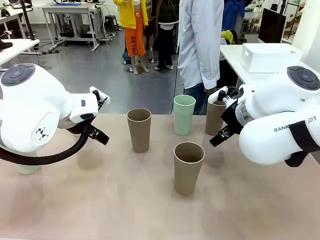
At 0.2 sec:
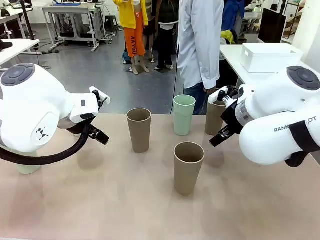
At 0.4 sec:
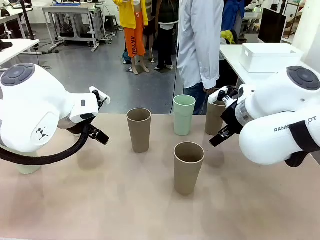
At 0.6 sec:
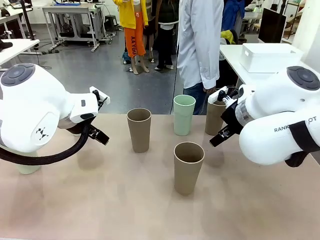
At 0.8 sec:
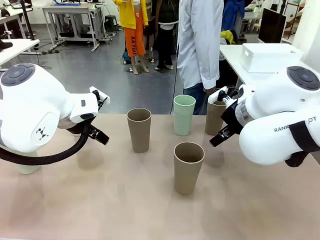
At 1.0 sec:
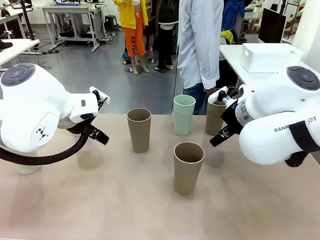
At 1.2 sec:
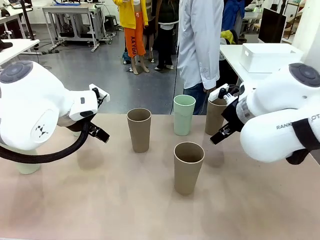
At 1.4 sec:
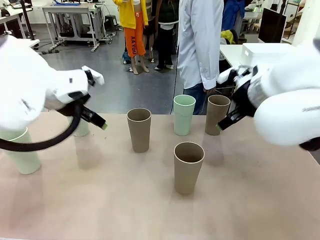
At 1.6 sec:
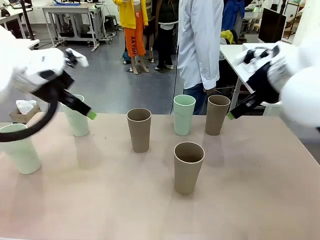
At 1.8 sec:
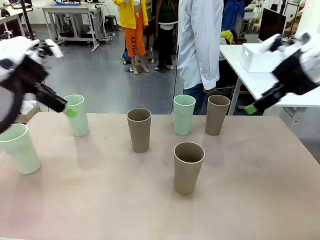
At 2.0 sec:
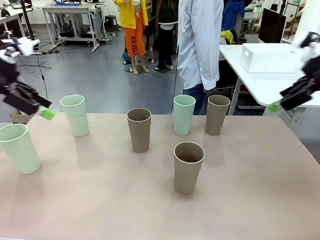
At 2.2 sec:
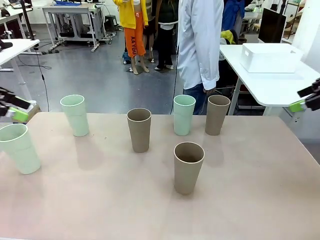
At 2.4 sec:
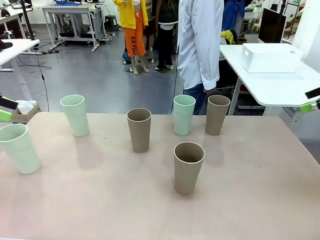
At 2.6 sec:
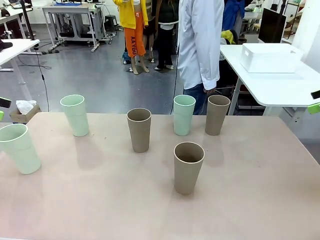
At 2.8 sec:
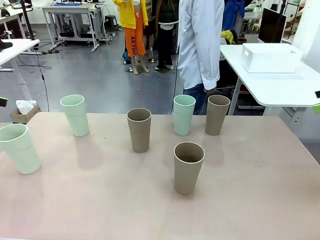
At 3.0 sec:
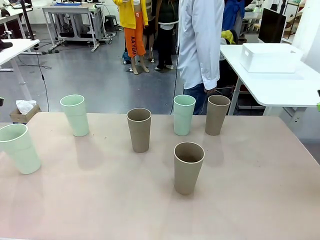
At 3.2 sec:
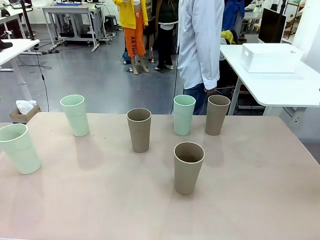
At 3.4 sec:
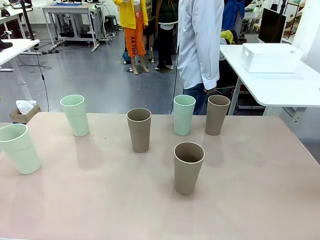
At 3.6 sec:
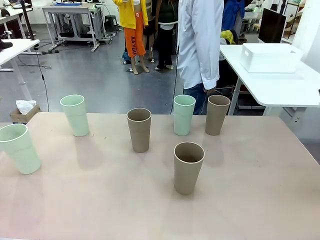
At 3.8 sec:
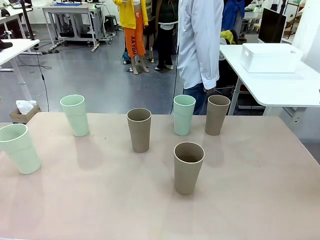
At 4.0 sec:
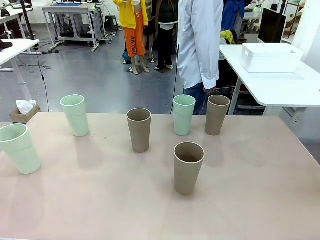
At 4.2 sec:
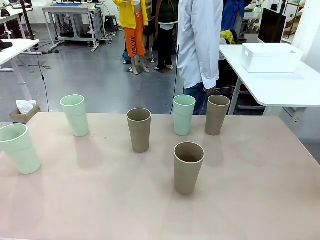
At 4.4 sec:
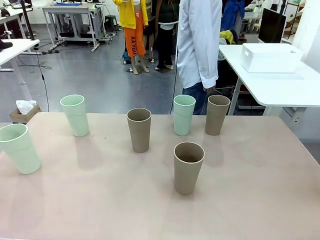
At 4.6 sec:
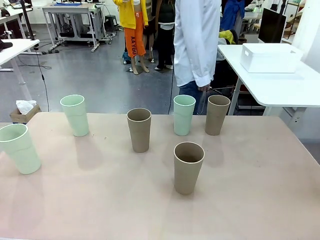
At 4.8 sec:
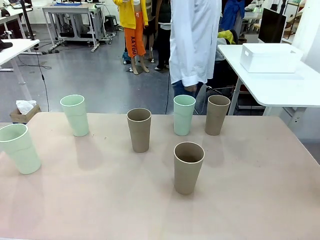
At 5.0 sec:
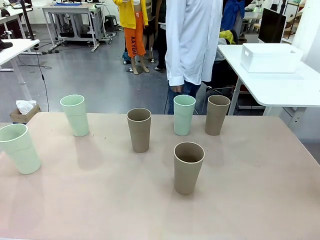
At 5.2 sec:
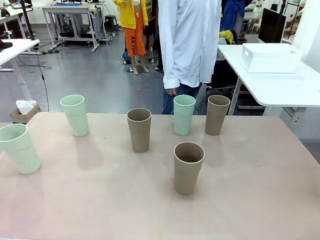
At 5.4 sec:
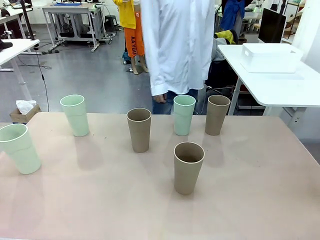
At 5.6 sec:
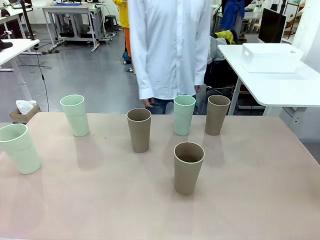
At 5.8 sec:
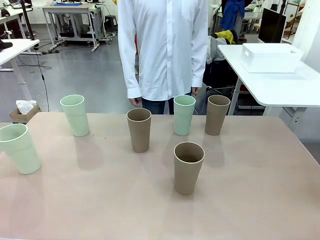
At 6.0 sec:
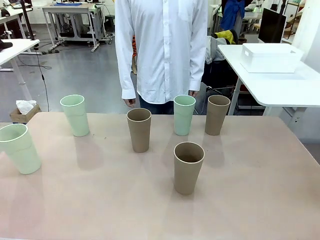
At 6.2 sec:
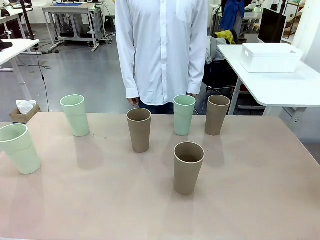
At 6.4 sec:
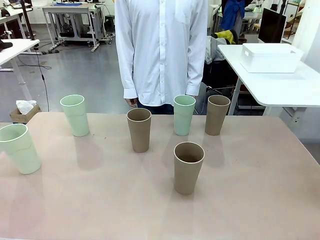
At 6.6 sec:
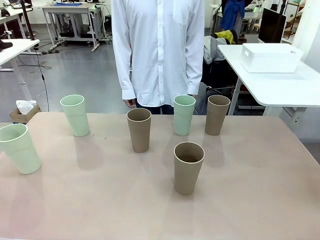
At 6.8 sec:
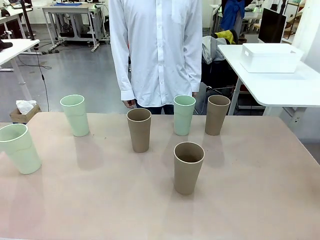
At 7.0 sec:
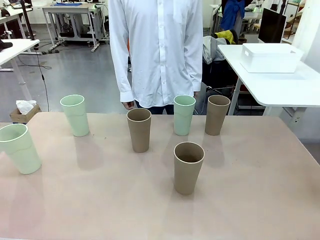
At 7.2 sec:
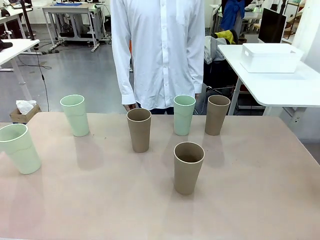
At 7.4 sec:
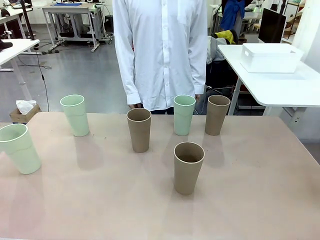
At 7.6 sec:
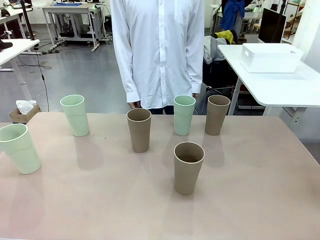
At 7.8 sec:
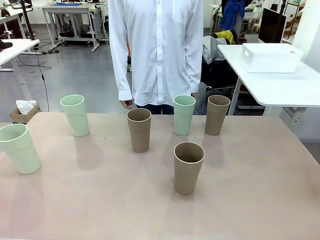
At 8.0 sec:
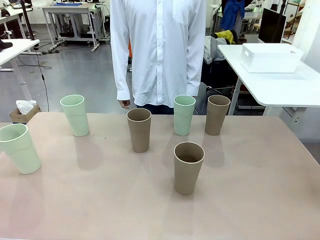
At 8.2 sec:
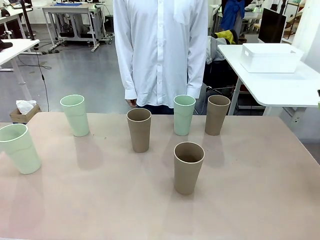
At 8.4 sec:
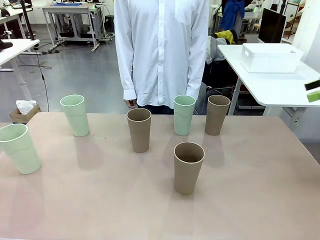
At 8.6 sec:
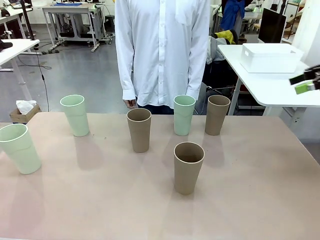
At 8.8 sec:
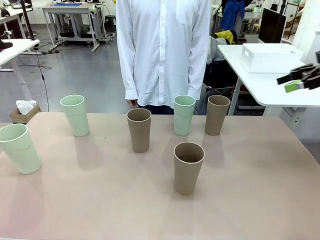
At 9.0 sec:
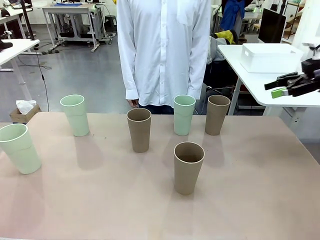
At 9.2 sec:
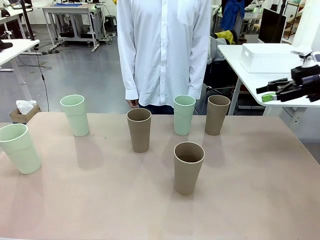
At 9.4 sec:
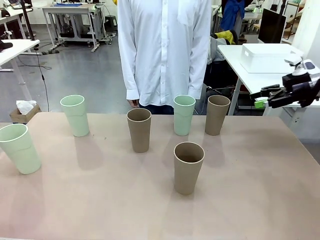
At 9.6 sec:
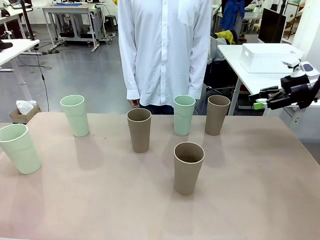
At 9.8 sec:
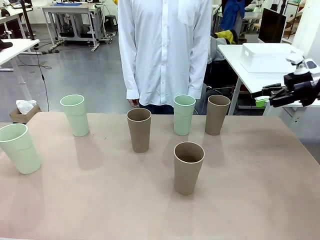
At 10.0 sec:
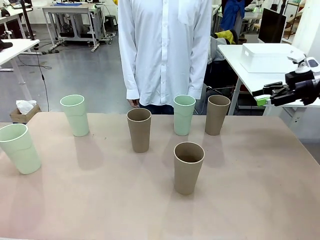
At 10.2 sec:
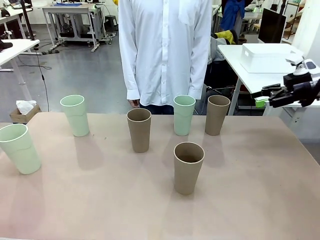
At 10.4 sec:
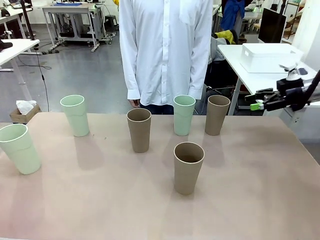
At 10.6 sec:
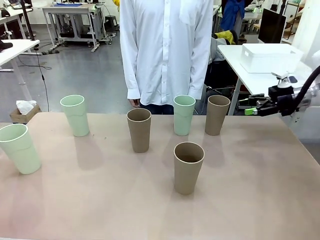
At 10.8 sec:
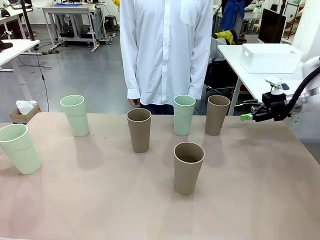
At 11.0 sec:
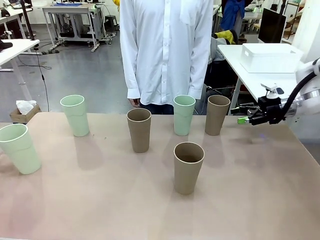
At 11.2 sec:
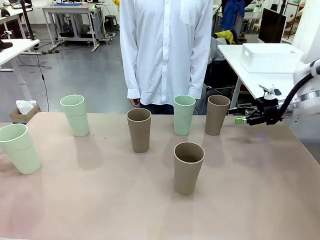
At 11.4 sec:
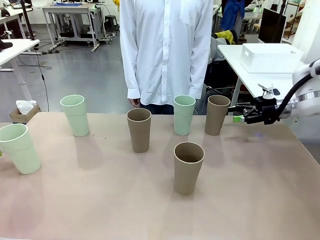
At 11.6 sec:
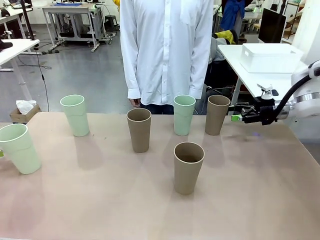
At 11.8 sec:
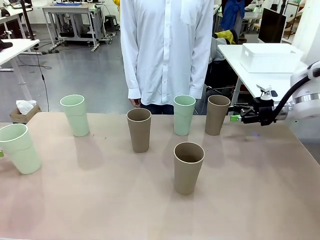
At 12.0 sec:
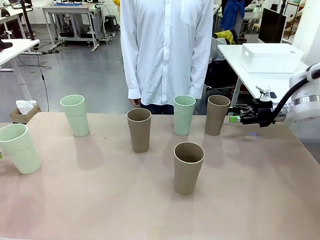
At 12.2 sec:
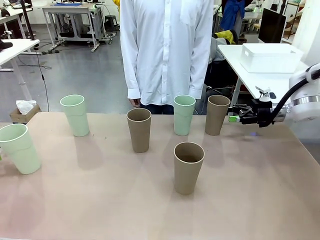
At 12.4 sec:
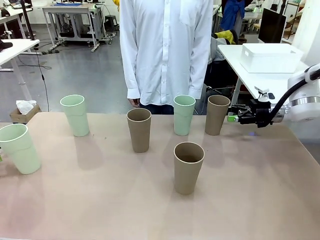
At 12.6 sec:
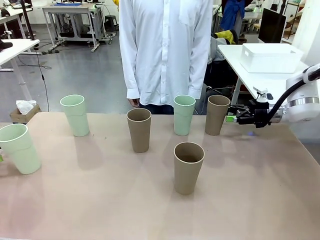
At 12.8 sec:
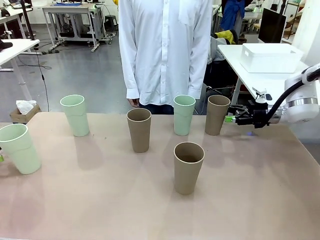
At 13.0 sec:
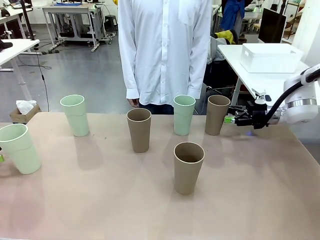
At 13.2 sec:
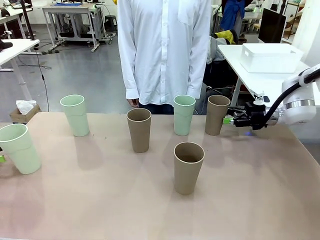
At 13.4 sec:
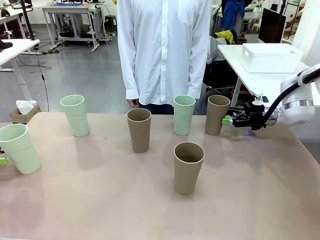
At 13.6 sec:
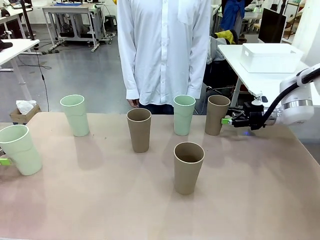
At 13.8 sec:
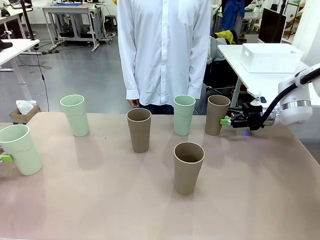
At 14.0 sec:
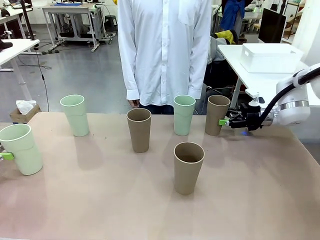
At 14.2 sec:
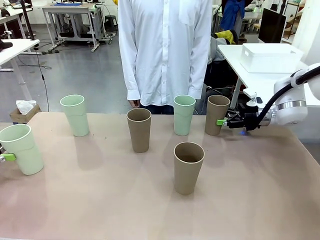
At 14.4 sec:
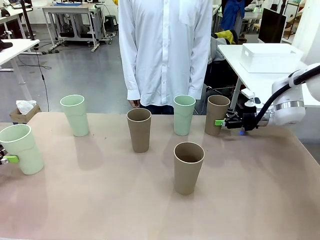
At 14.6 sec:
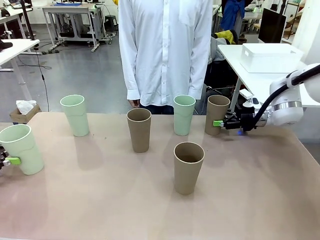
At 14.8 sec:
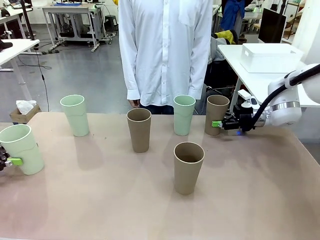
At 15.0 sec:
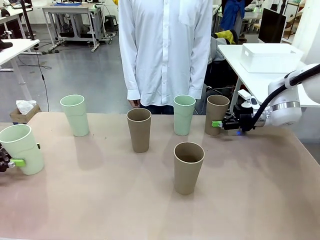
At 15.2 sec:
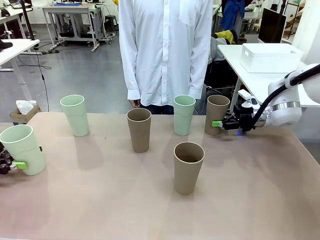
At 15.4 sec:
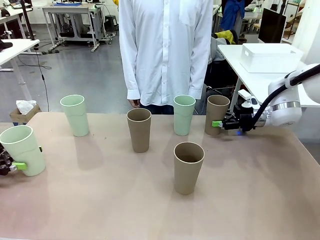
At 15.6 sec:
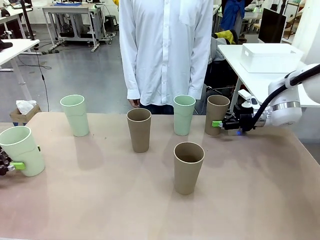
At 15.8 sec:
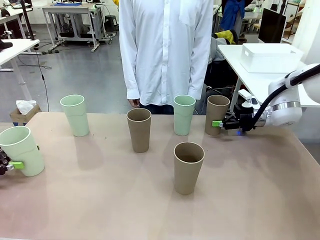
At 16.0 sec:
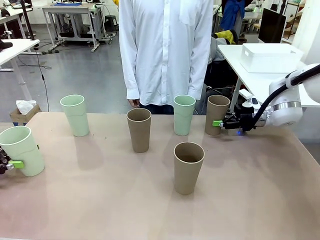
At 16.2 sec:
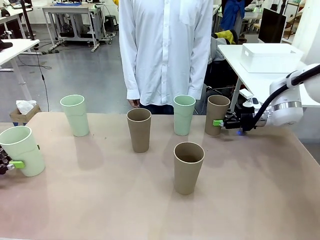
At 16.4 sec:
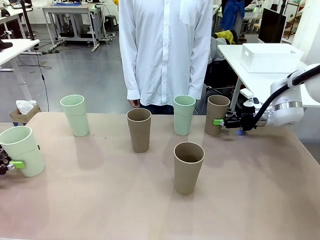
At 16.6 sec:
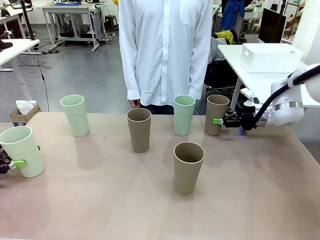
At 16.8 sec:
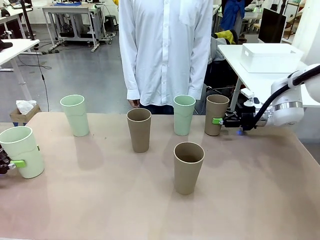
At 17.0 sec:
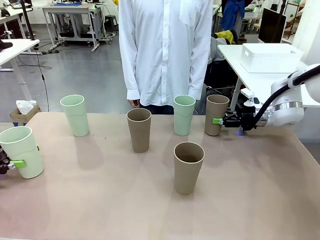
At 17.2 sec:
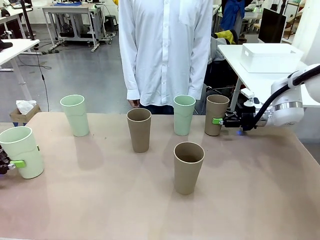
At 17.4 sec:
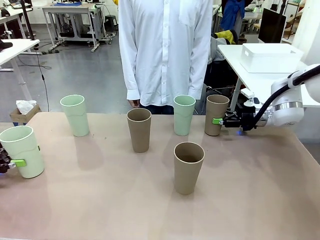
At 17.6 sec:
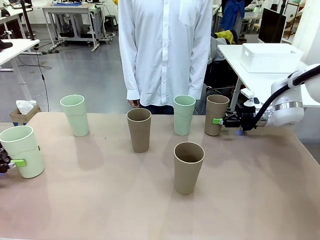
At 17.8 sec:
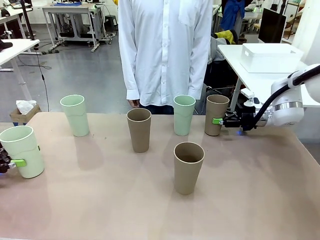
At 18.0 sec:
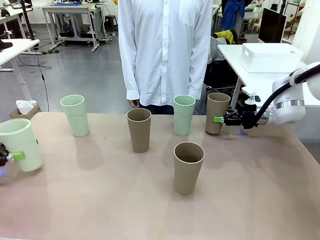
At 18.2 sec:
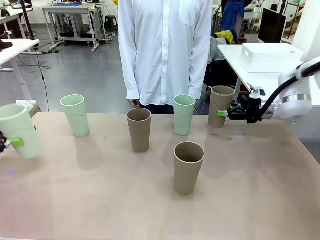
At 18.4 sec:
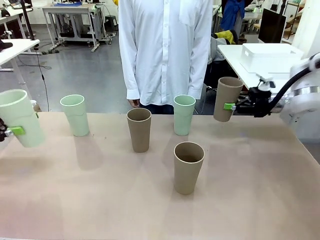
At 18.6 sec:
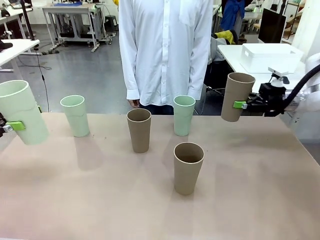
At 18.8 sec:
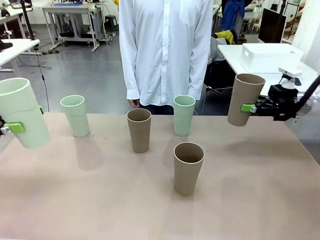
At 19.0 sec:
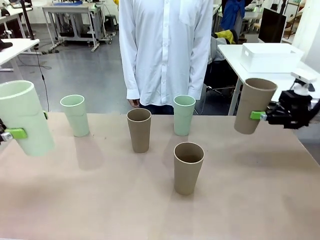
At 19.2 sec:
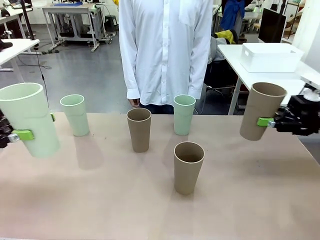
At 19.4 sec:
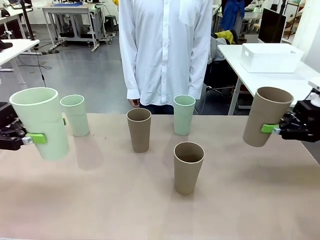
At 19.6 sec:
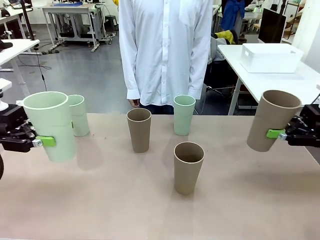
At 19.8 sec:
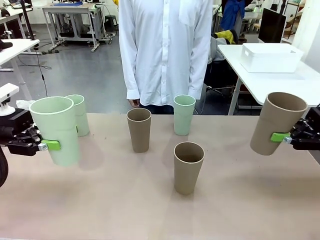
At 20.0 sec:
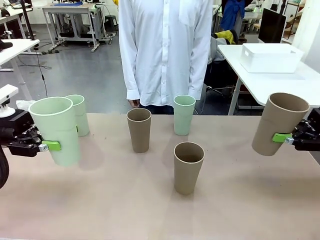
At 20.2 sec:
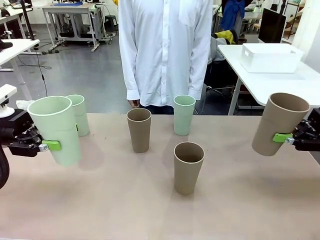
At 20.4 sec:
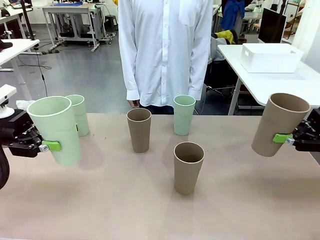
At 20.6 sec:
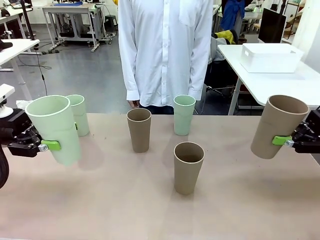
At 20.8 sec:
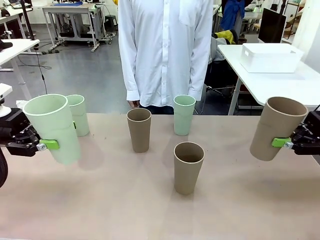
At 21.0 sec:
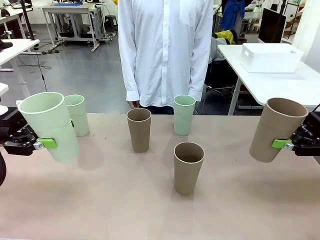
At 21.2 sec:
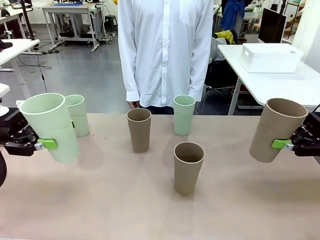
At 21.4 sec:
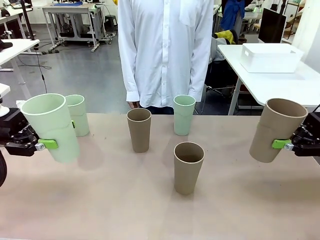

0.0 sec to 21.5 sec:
Task: Stack the cups and store them in the basket.
Robot: Pick up two Reusable plastic cups , one in each hand.
Person: Move from the Human Table to the front of the Robot Table. Stack two of the remaining cups on top of each cup held by the robot.
